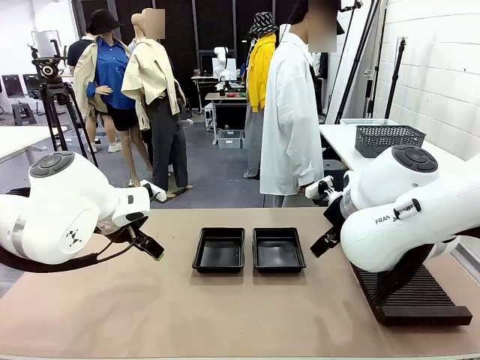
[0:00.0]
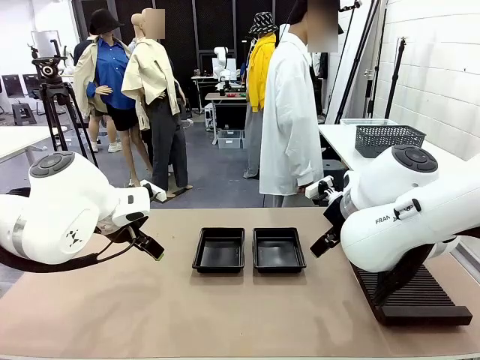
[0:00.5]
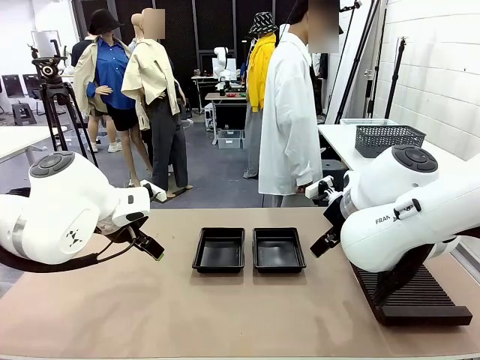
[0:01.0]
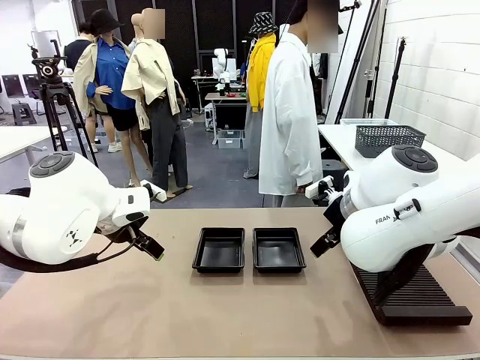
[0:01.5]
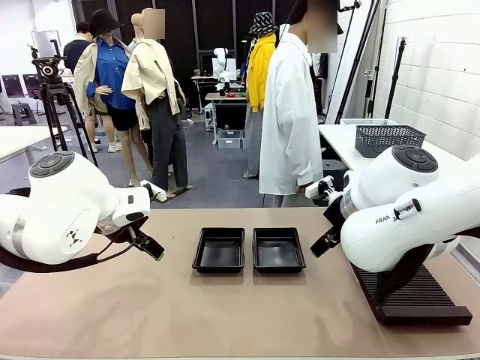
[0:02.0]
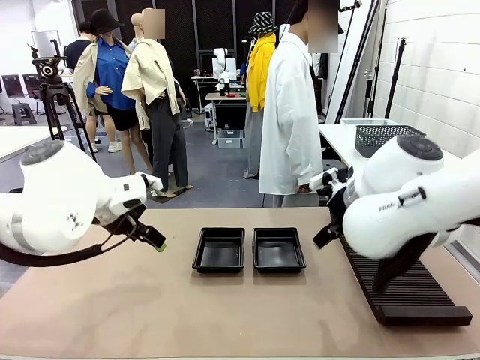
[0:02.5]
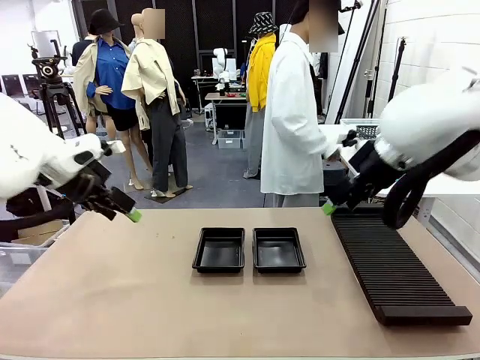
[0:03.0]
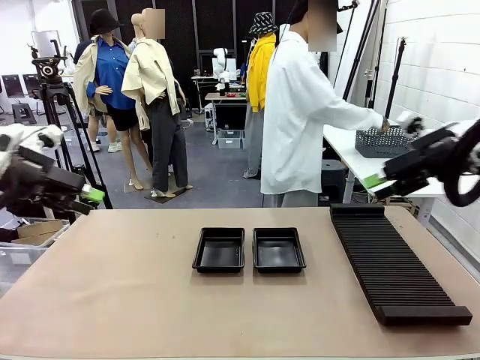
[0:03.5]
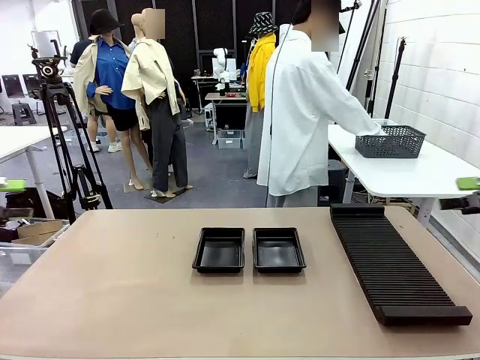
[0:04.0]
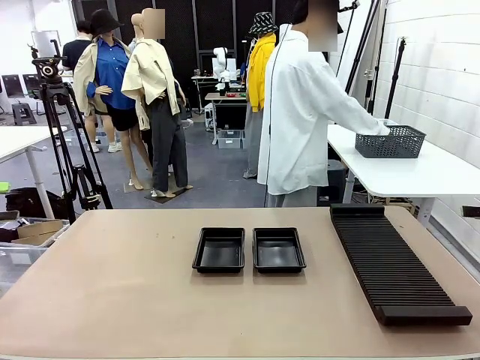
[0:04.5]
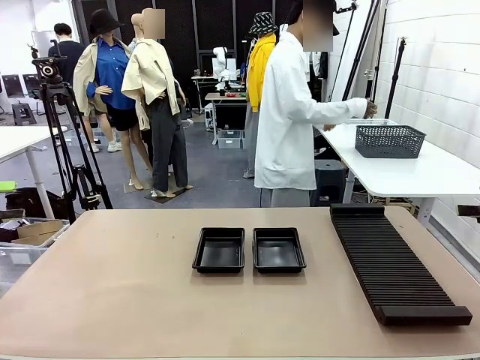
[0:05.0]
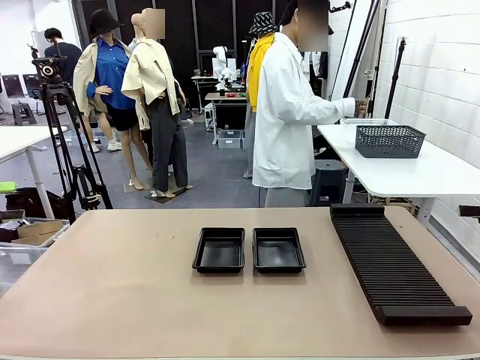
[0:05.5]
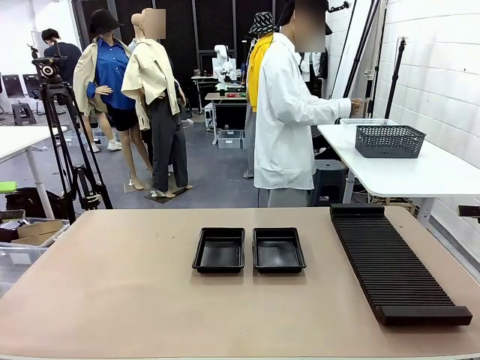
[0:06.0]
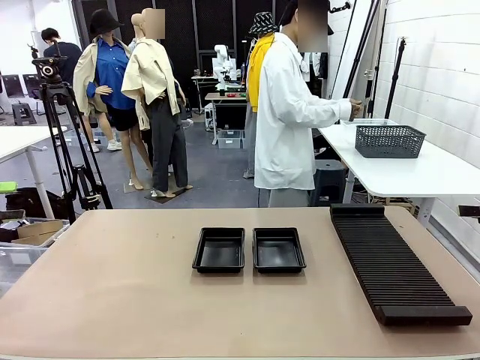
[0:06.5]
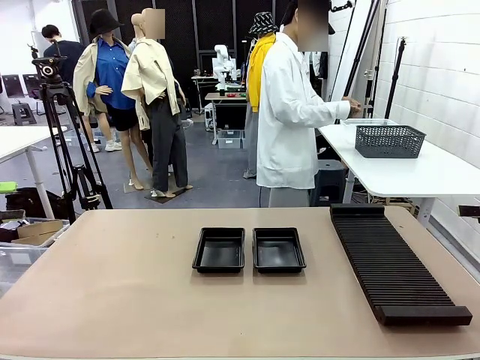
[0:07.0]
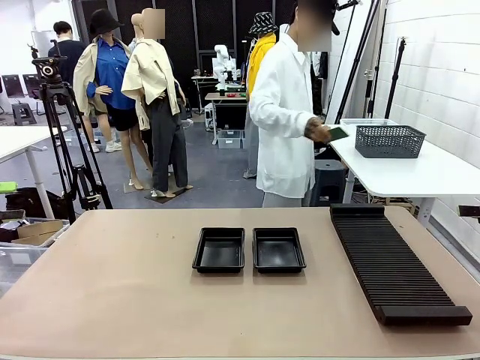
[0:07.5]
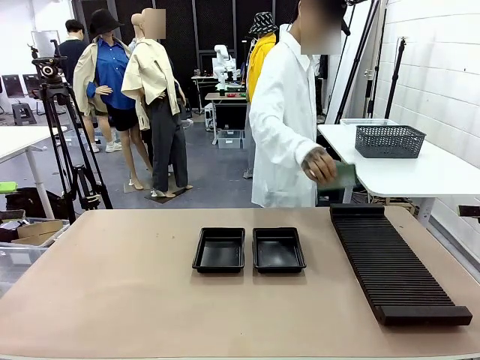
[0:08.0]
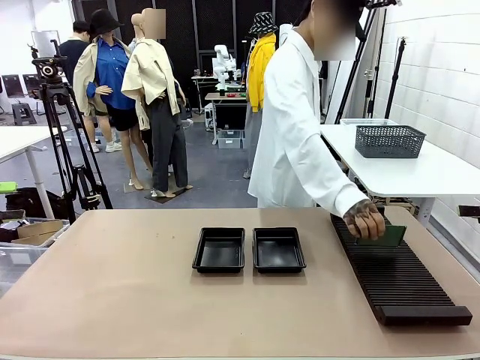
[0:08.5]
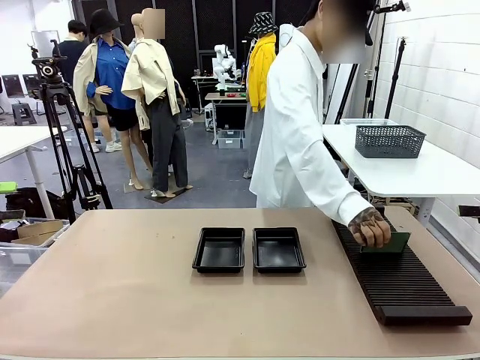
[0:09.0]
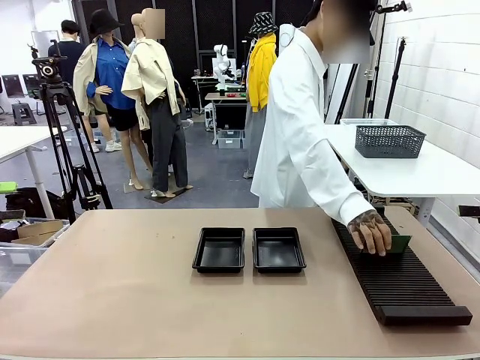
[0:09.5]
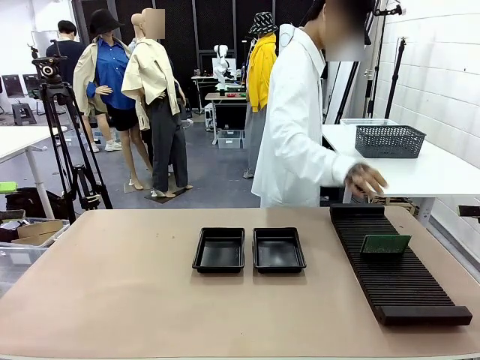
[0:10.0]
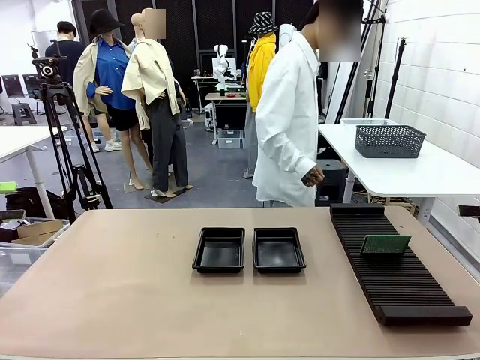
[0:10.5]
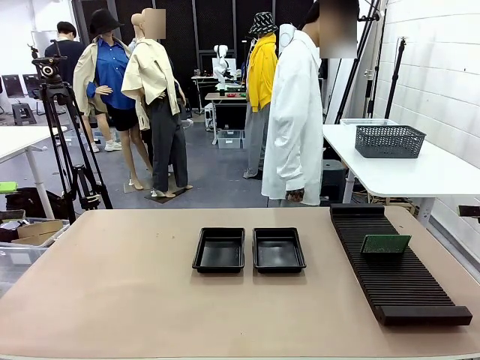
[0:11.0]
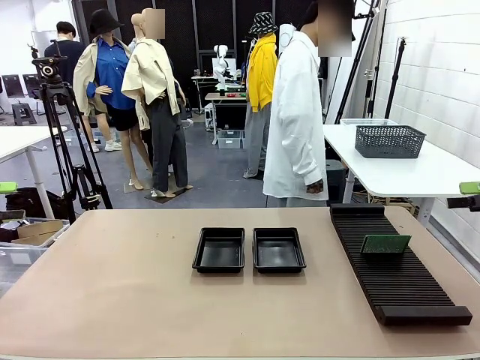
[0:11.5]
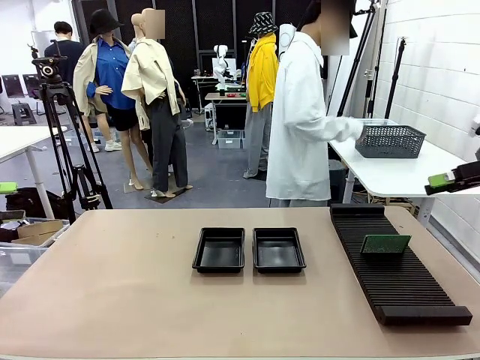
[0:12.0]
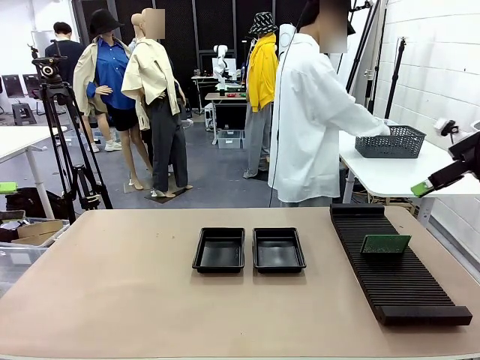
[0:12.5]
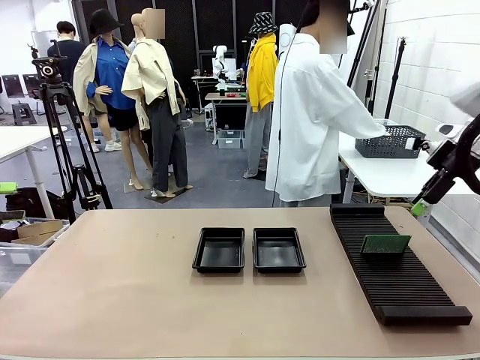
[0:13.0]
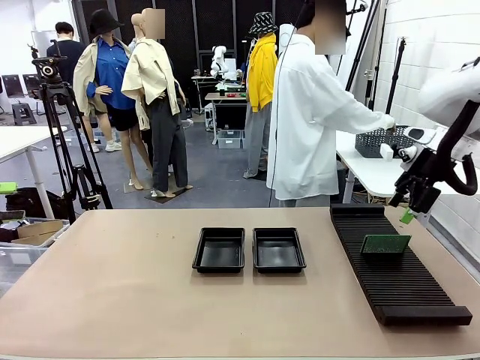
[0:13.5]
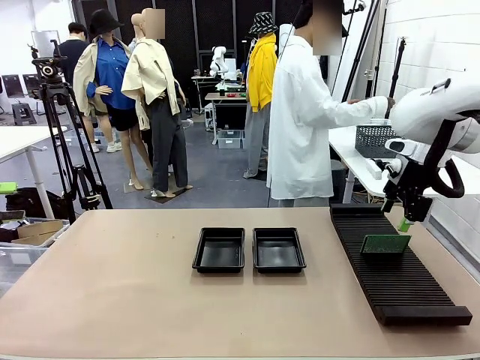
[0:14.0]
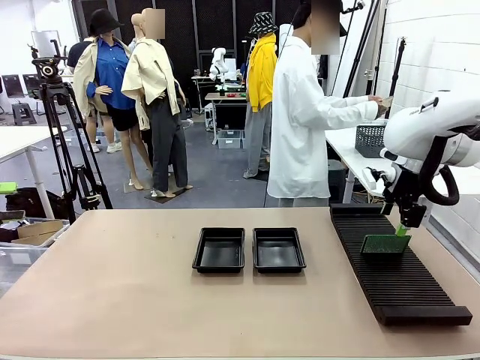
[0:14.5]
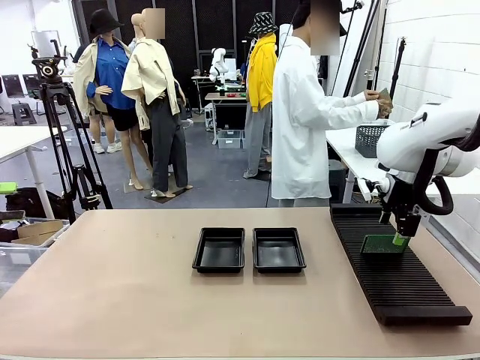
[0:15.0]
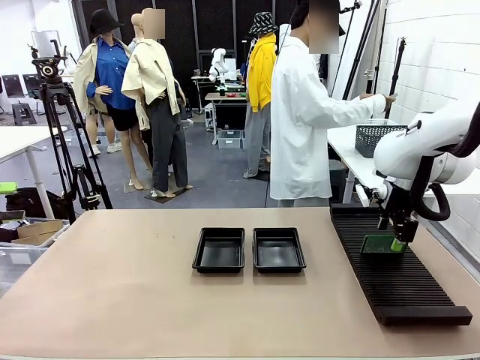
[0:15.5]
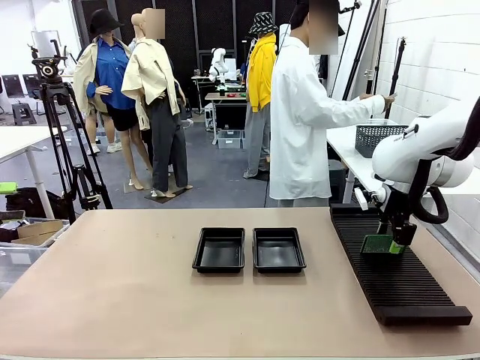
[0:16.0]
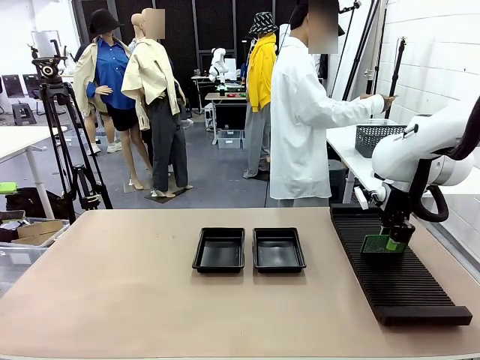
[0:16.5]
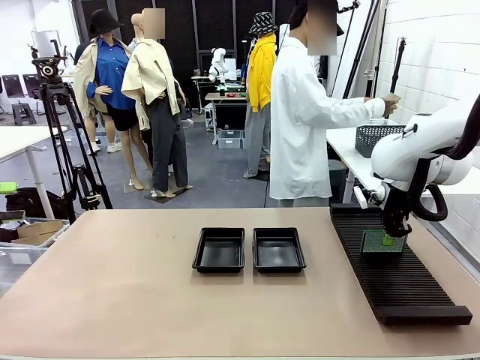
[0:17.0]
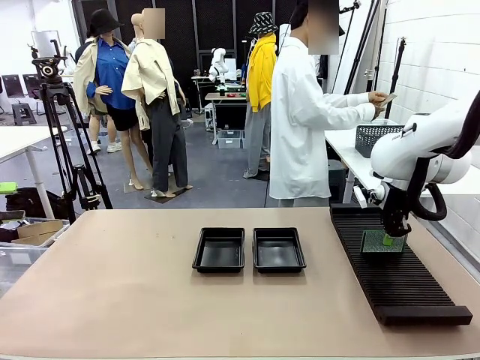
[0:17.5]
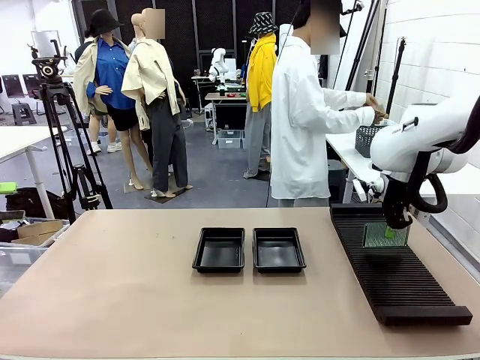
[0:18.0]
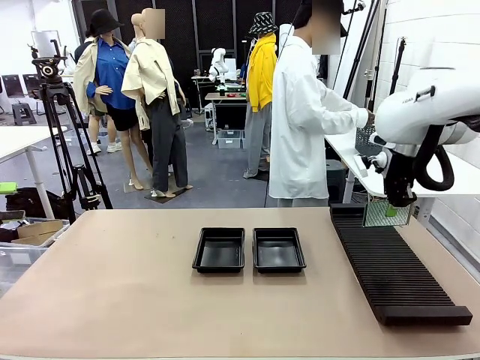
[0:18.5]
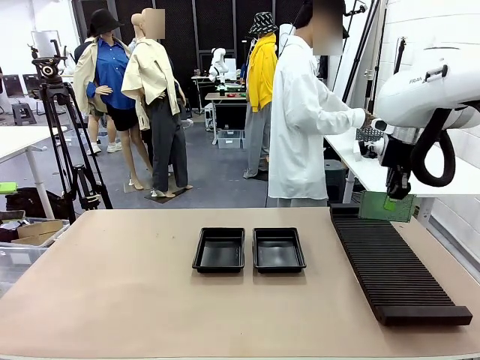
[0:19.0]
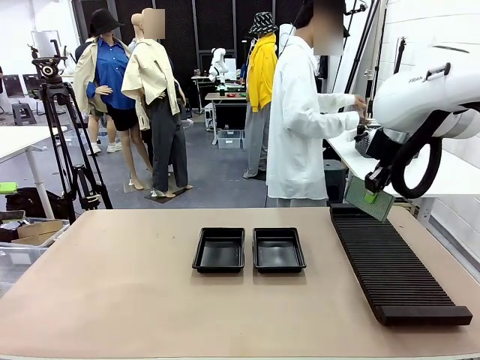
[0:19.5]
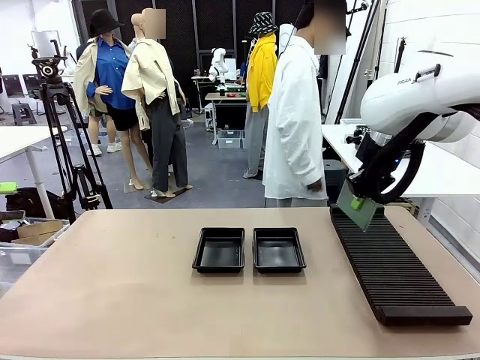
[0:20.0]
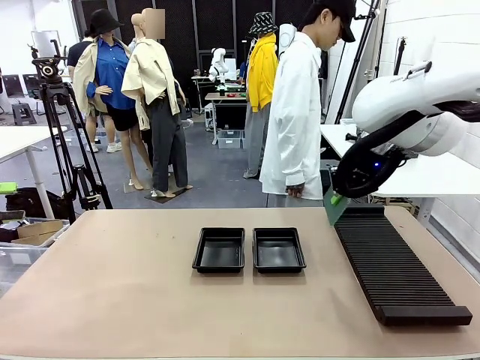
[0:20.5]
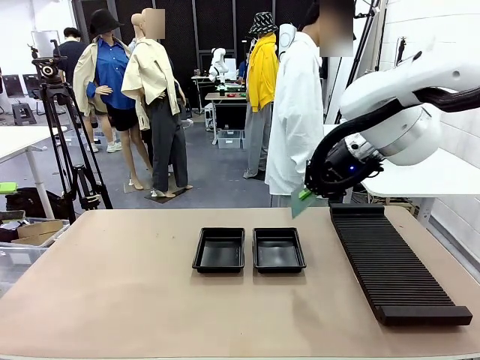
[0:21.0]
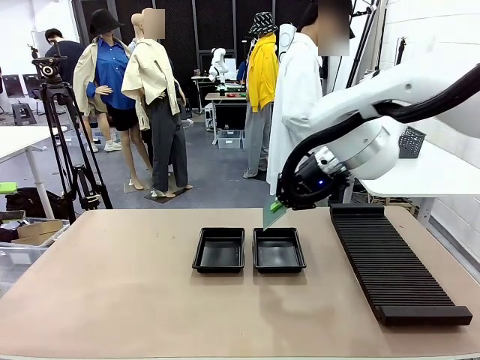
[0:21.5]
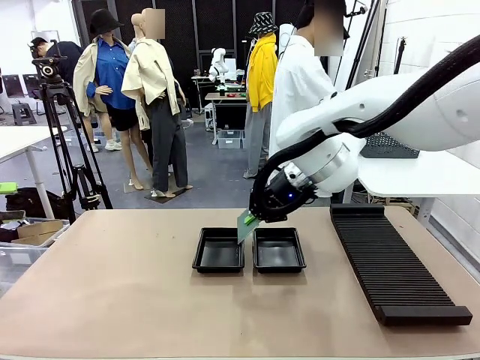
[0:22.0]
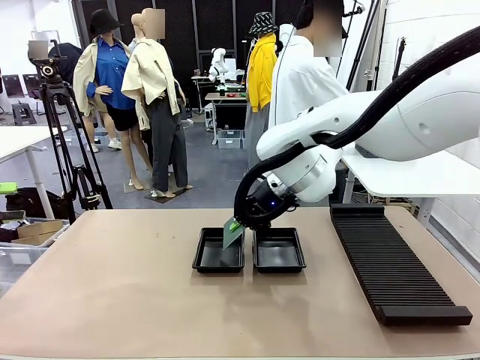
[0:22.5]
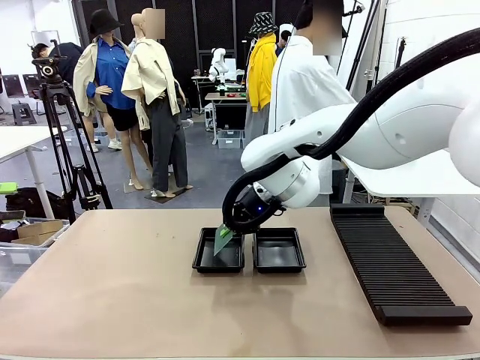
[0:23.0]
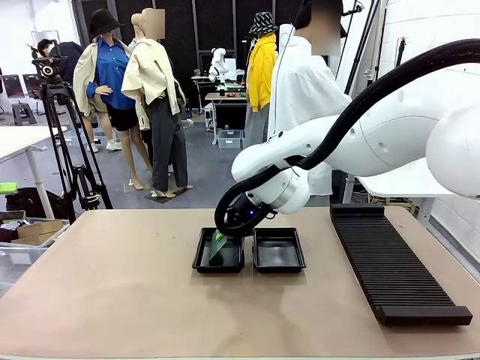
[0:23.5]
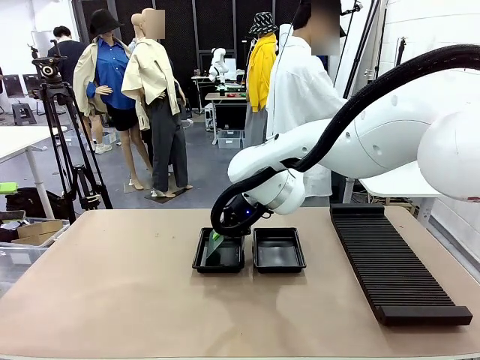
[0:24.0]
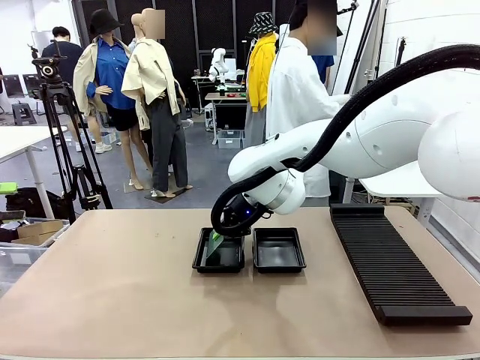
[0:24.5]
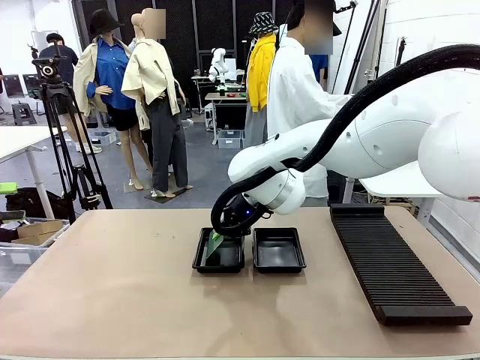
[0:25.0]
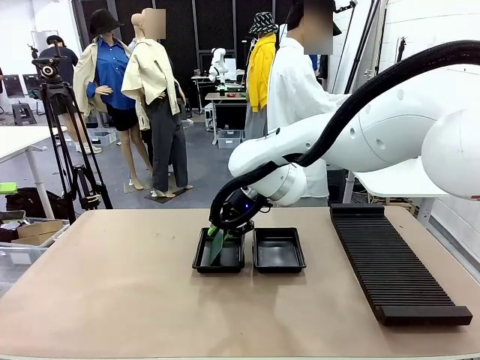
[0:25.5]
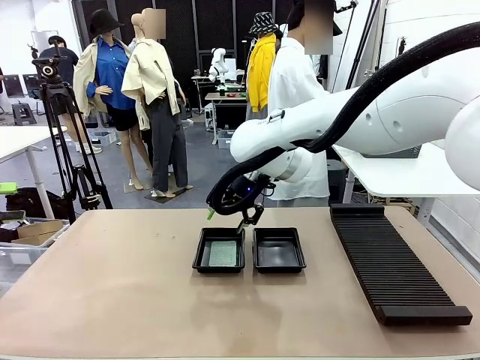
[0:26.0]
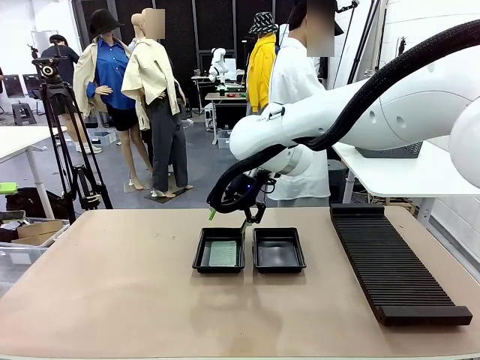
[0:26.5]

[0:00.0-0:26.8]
Task: Inspect and transfer BCBs to ESD trays.
Robot: Pick up the Blank PCB from the PCB Rack and place it in the left ESD tray.
